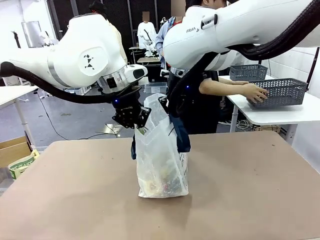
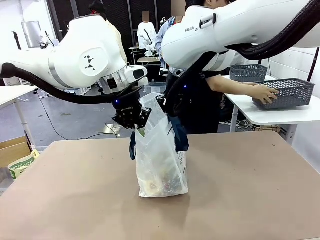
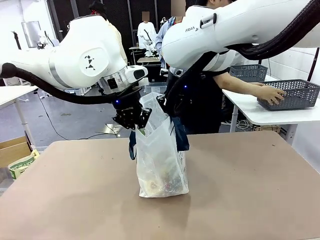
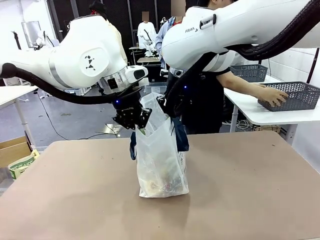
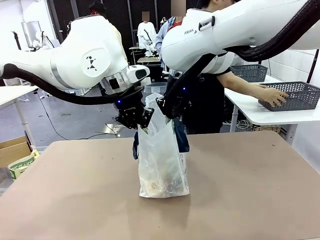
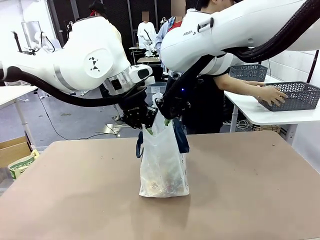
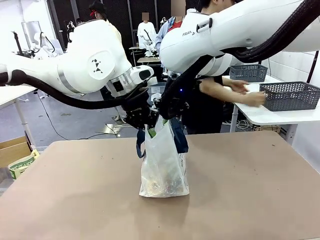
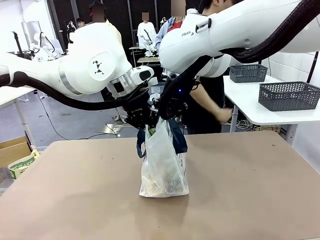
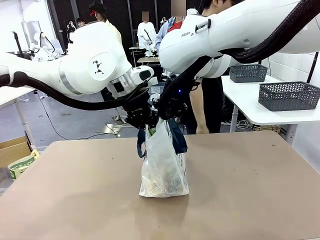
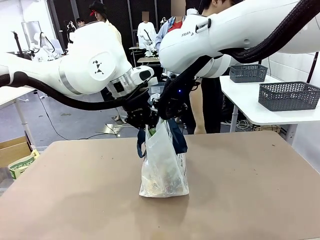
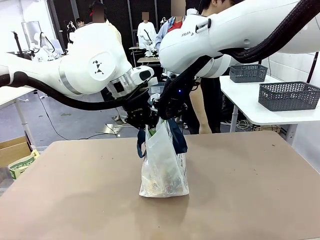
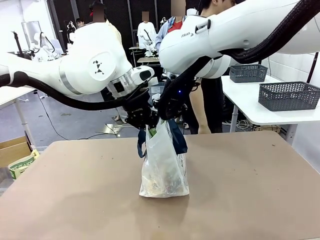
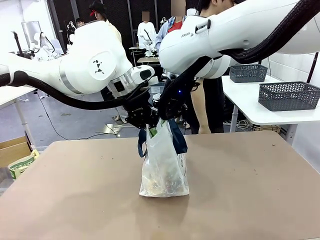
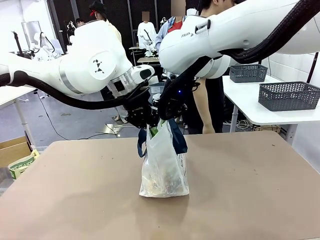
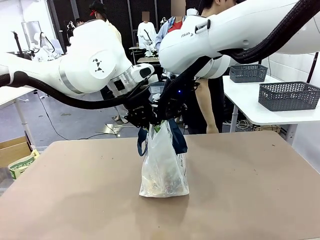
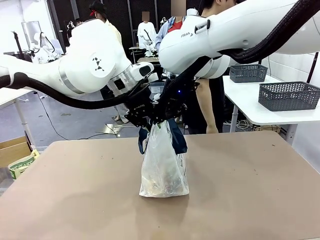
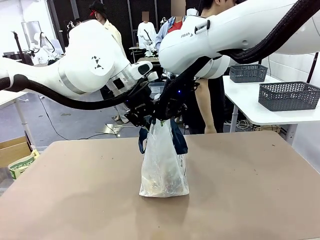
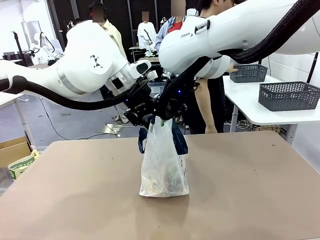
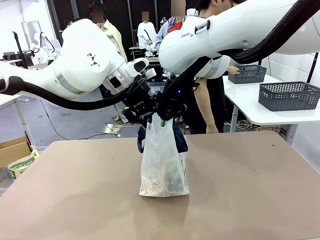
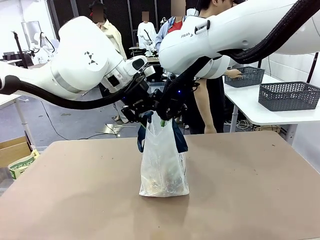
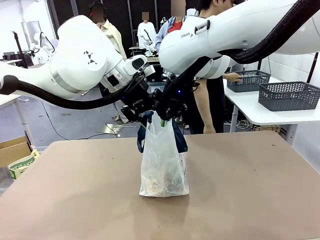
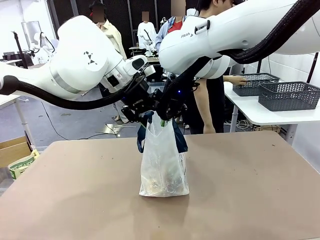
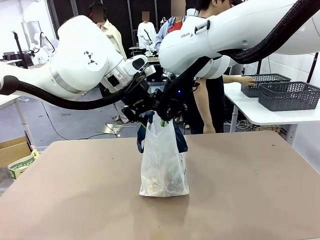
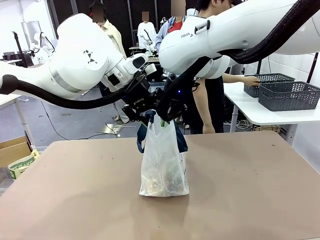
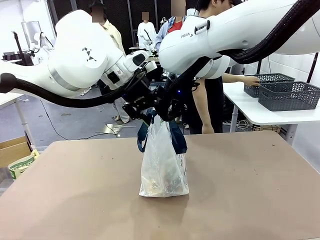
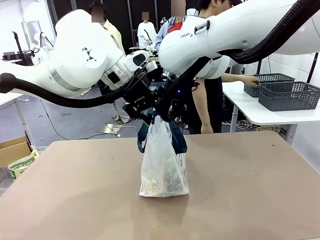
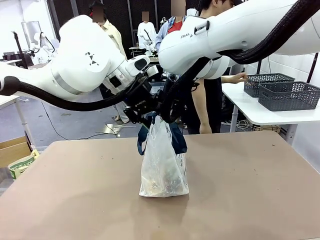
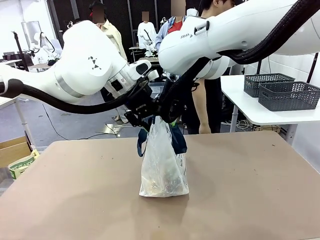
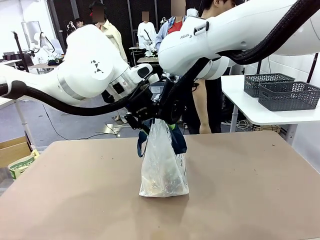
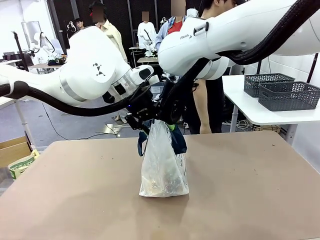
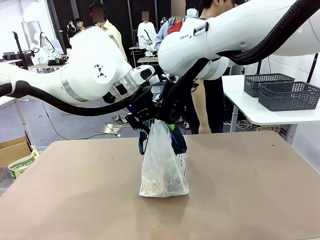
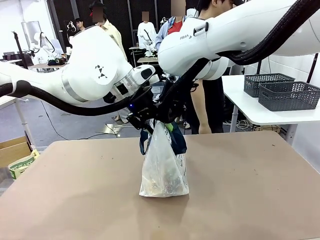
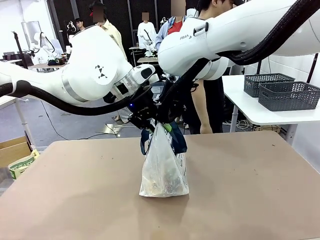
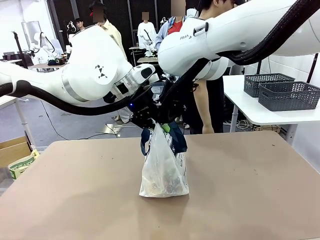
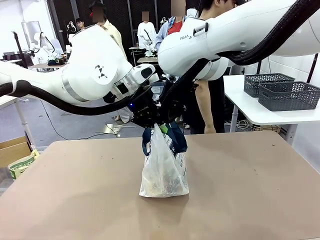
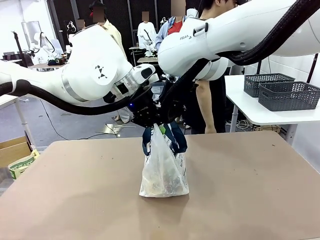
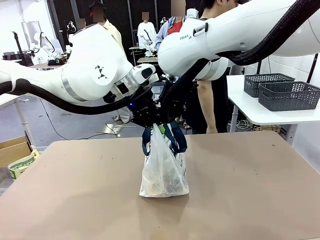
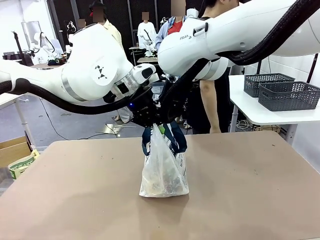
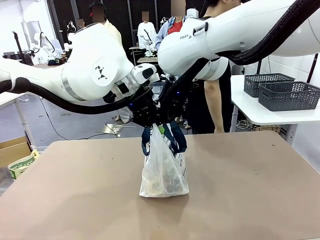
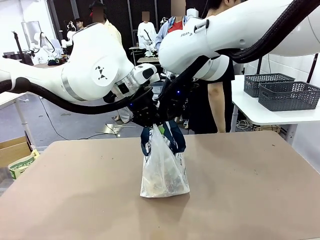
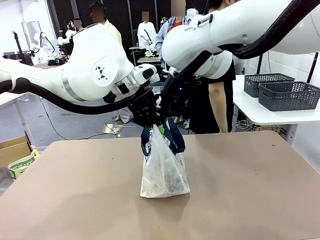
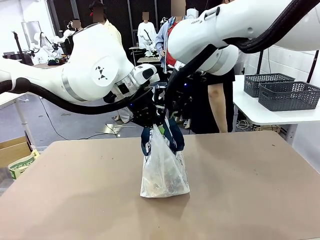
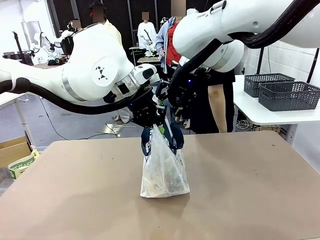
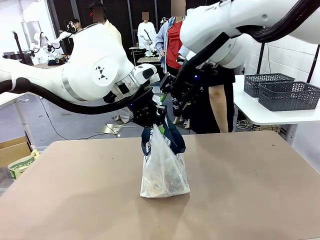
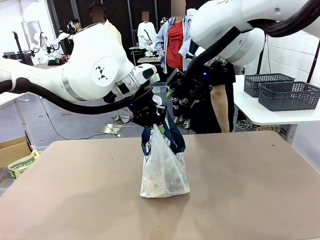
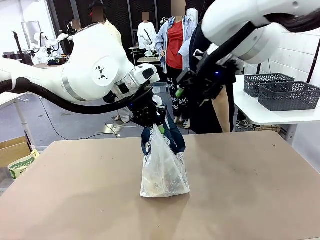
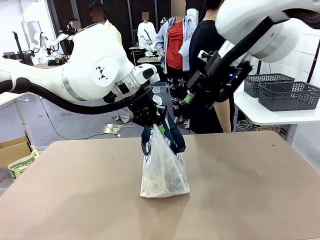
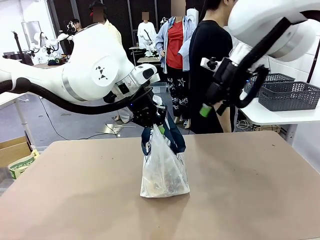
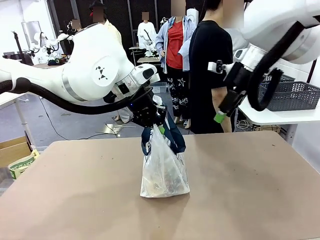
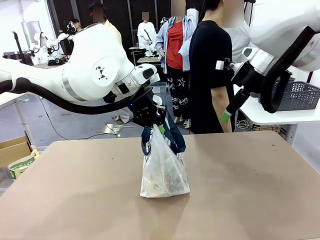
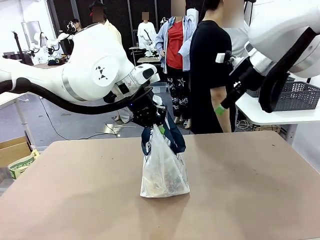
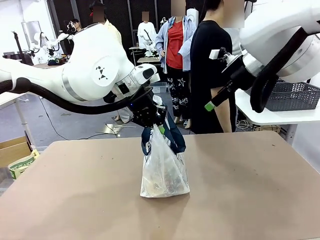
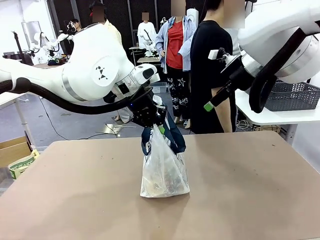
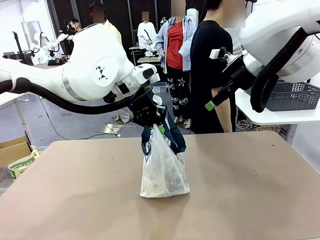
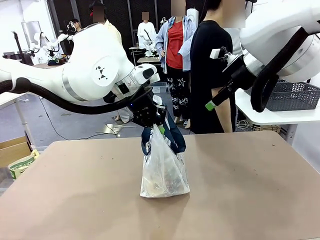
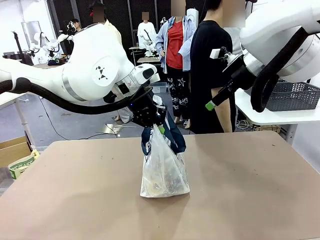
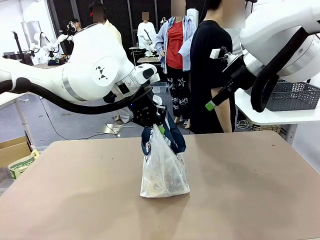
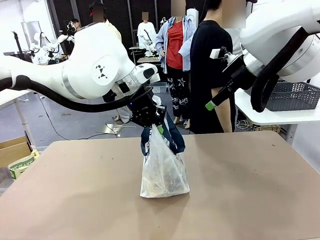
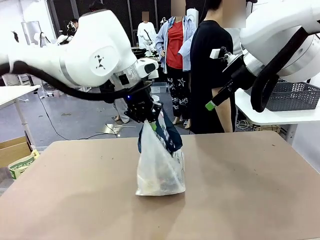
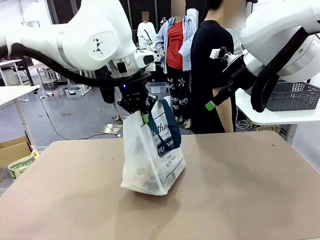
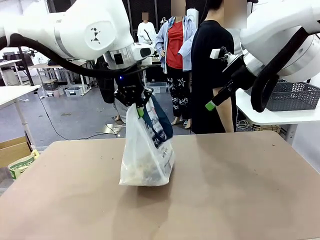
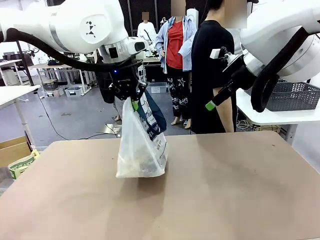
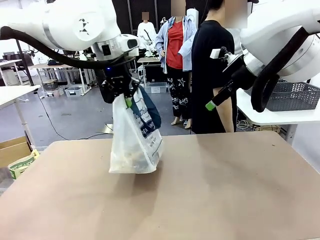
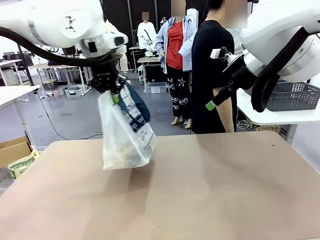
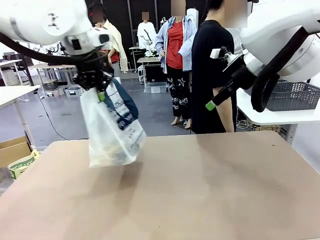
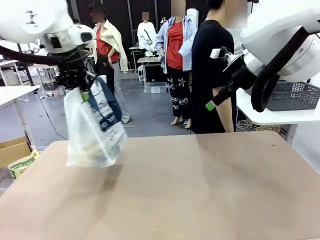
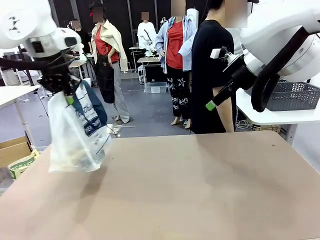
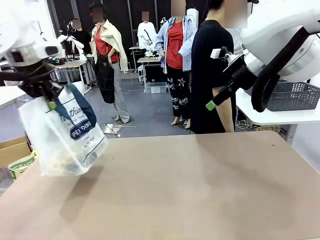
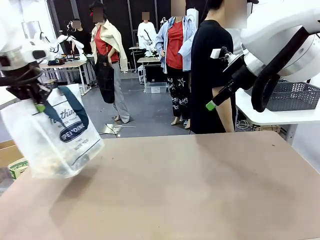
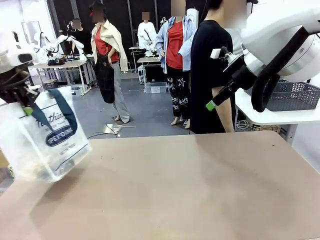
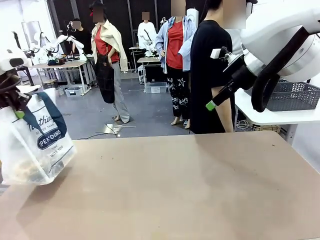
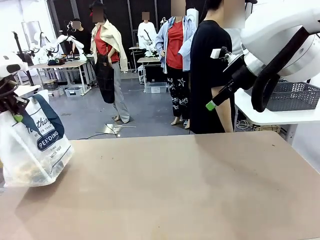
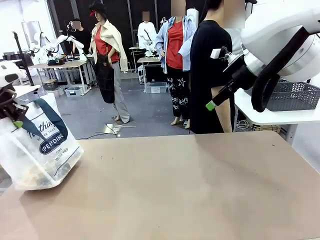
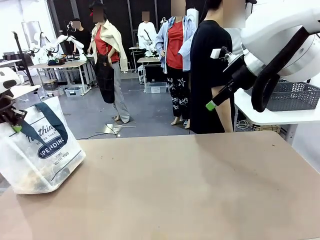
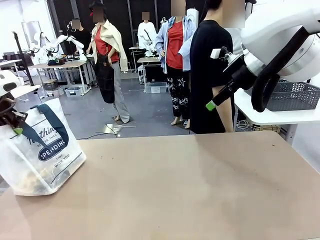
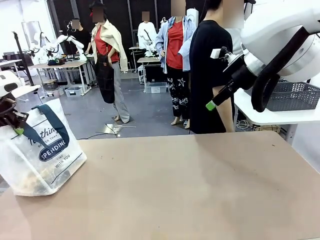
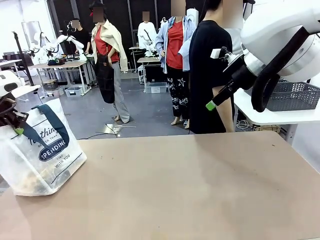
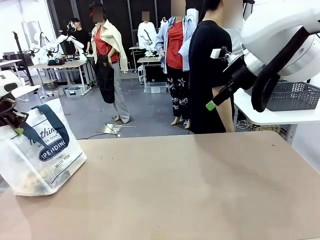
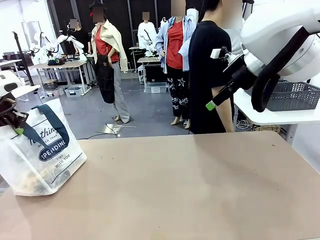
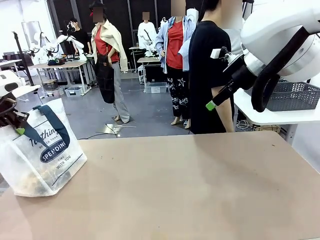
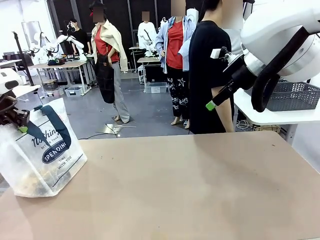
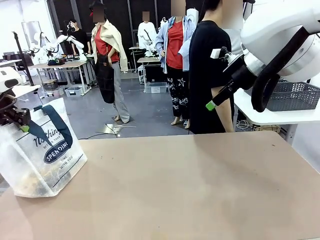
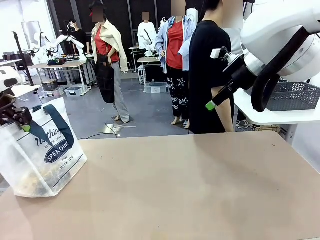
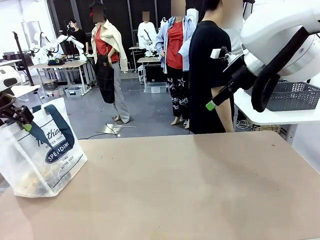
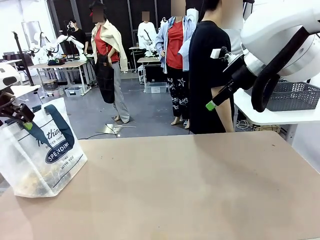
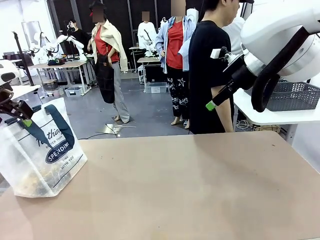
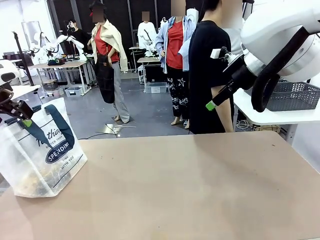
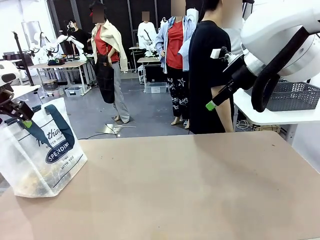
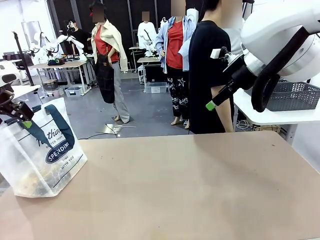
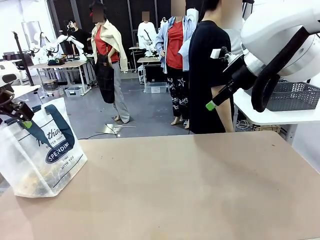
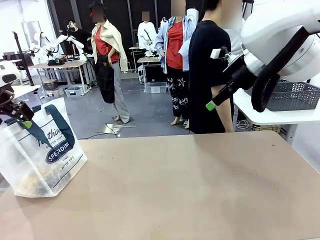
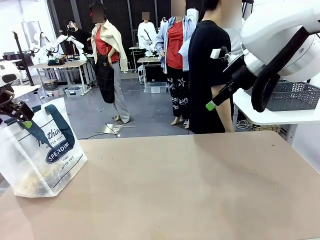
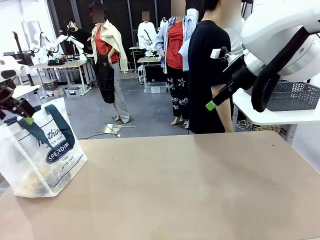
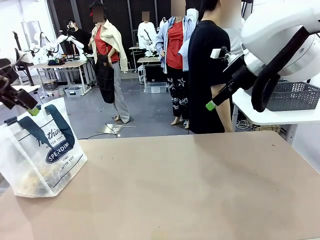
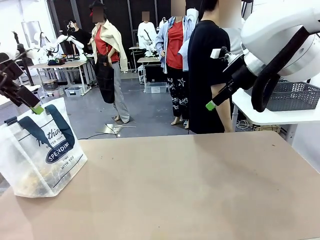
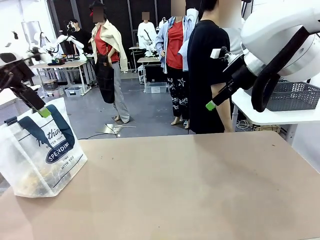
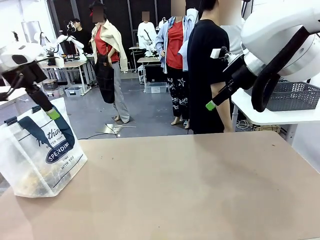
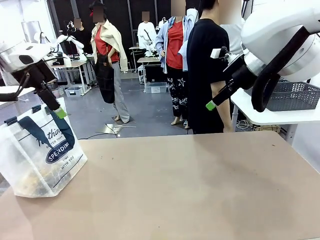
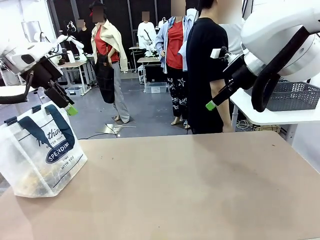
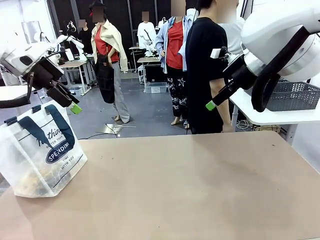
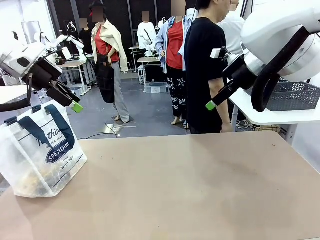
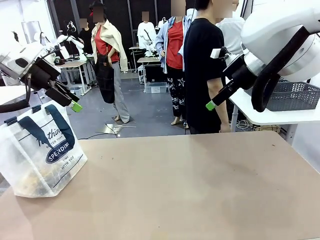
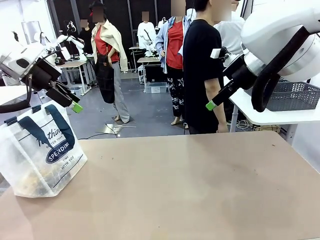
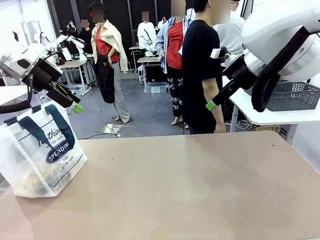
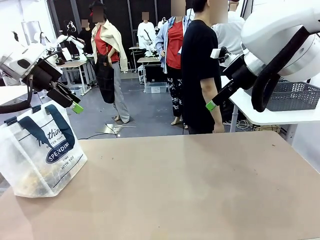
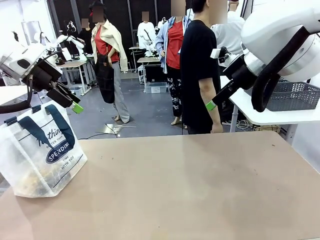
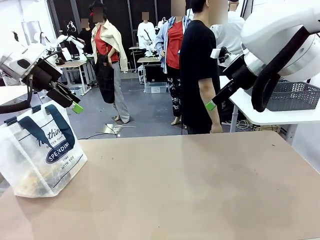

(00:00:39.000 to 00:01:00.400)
Task: Transfer purchased items from the store into the shopping bag.
Robot: Move the Reusable shopping bag to the right side of the table.
Person: Move the basket on the left to the middle of the person's table.
